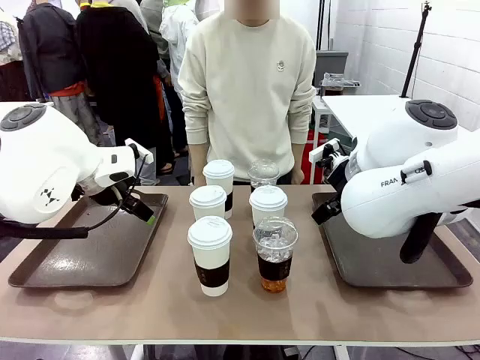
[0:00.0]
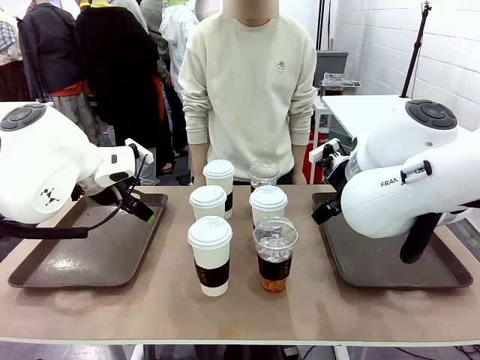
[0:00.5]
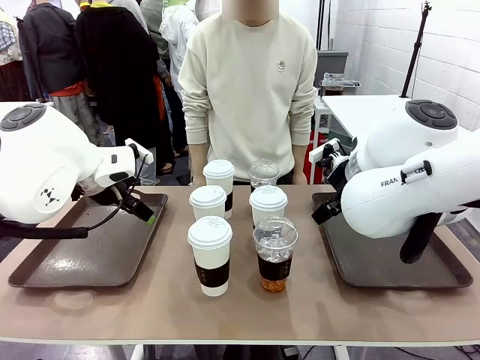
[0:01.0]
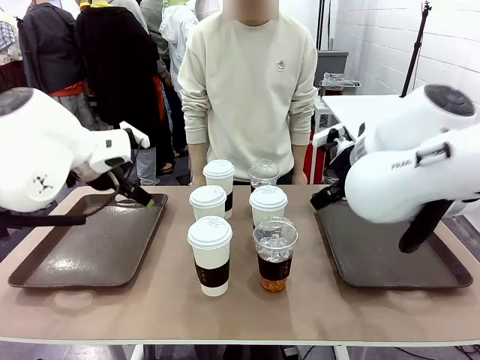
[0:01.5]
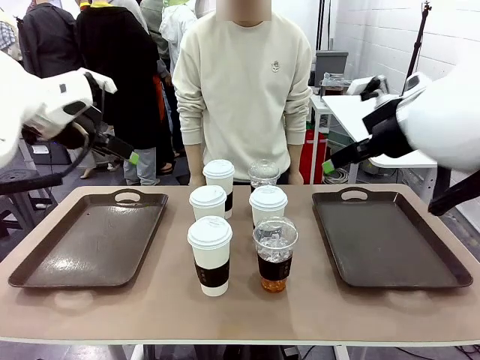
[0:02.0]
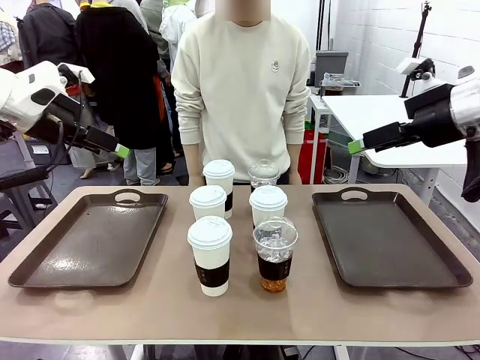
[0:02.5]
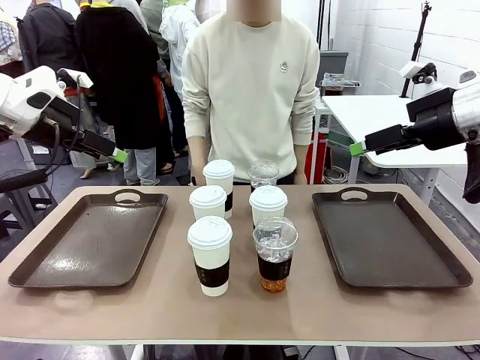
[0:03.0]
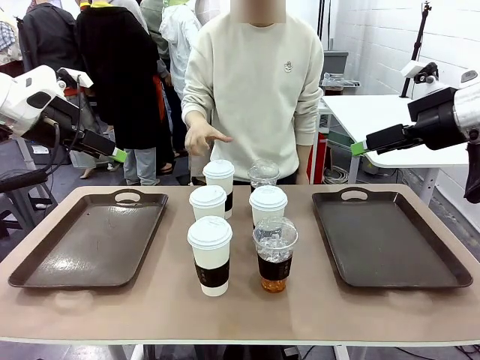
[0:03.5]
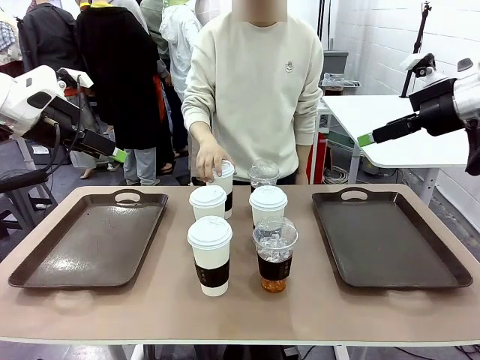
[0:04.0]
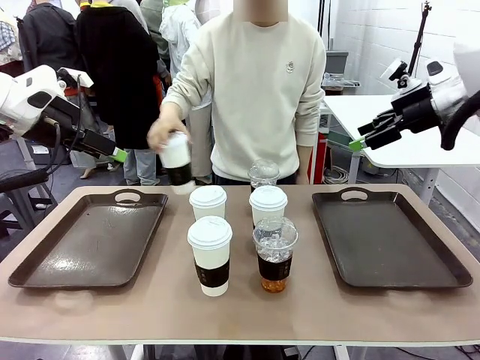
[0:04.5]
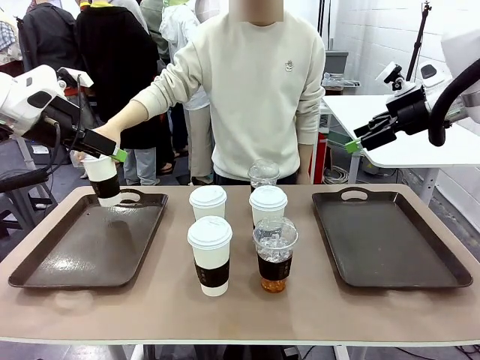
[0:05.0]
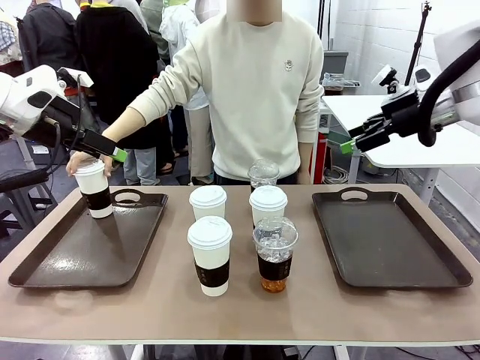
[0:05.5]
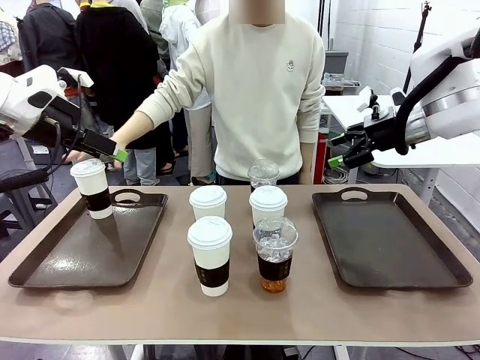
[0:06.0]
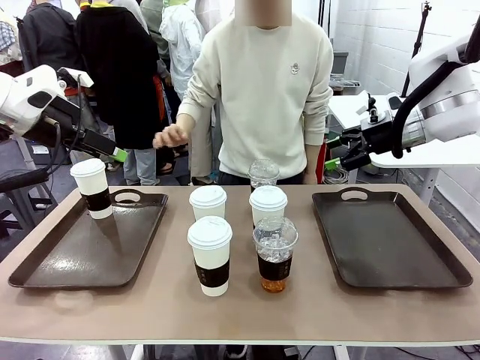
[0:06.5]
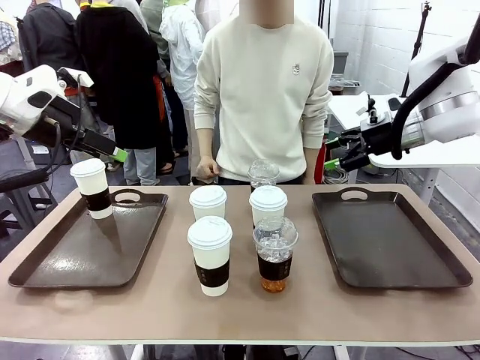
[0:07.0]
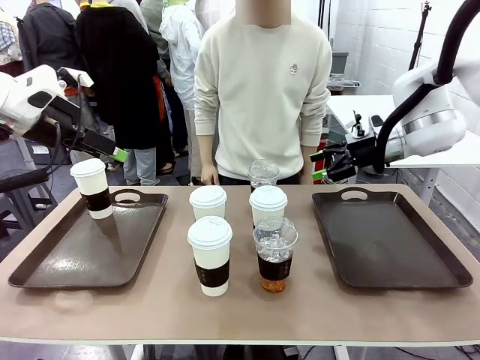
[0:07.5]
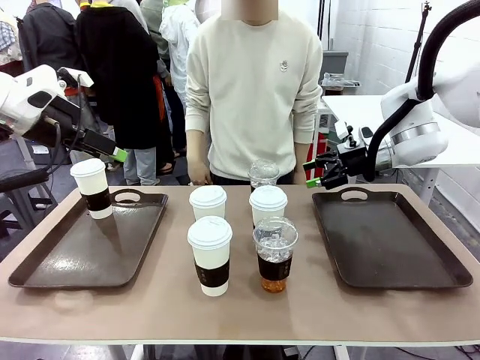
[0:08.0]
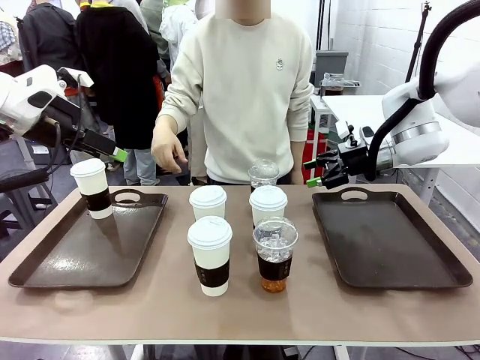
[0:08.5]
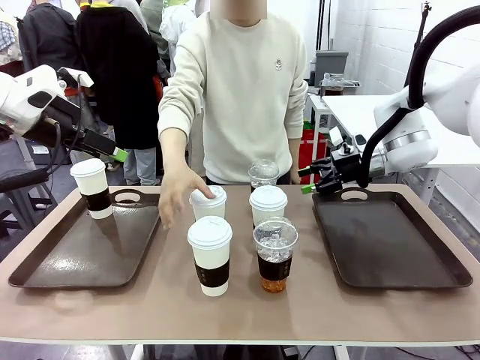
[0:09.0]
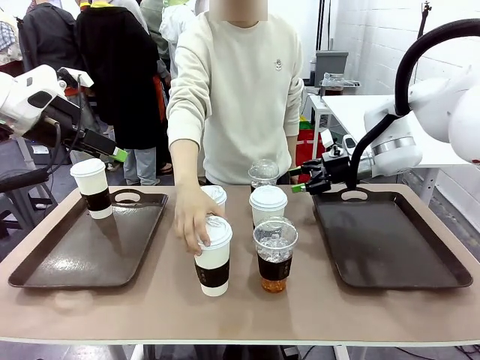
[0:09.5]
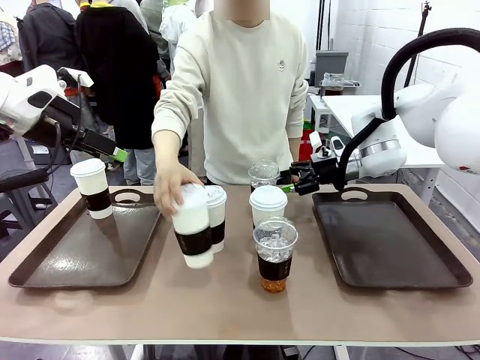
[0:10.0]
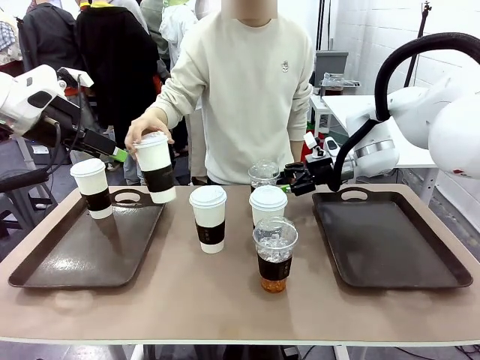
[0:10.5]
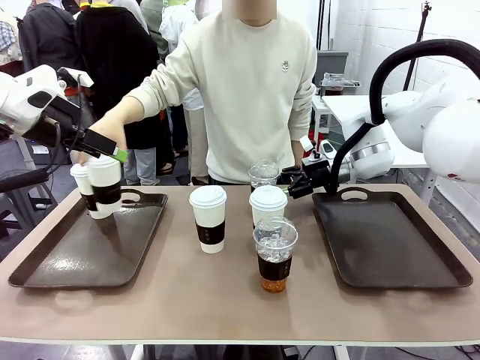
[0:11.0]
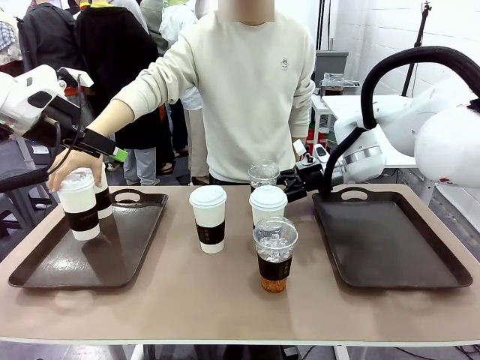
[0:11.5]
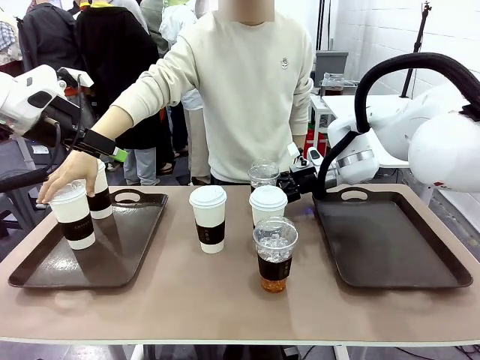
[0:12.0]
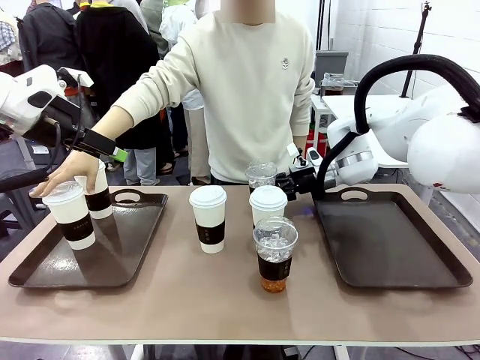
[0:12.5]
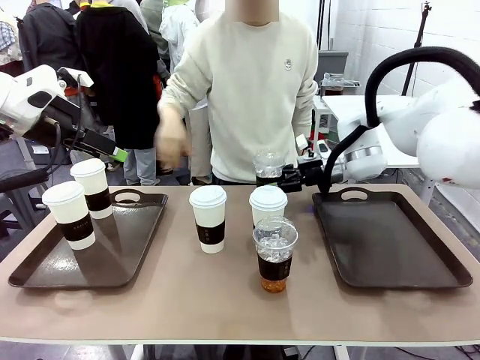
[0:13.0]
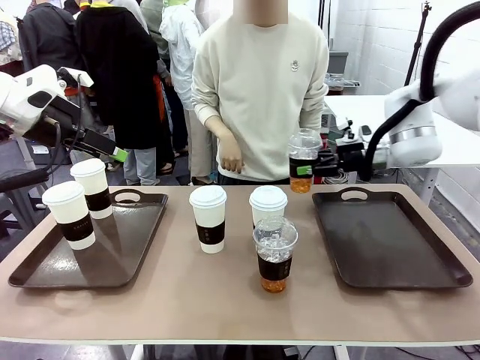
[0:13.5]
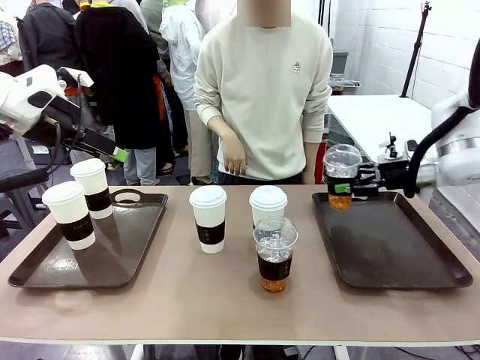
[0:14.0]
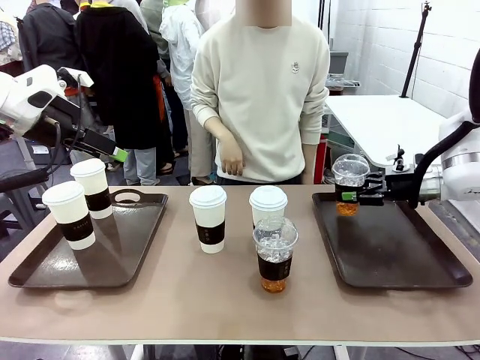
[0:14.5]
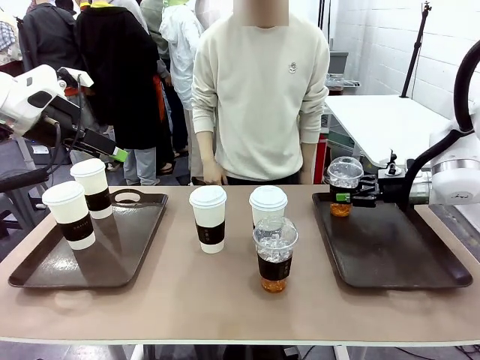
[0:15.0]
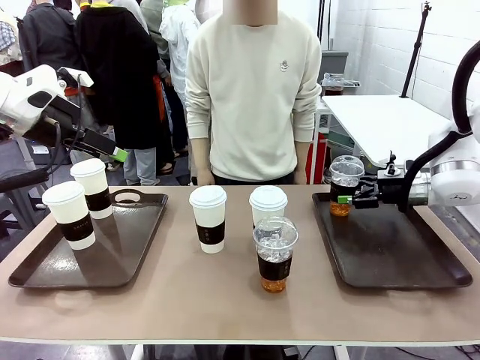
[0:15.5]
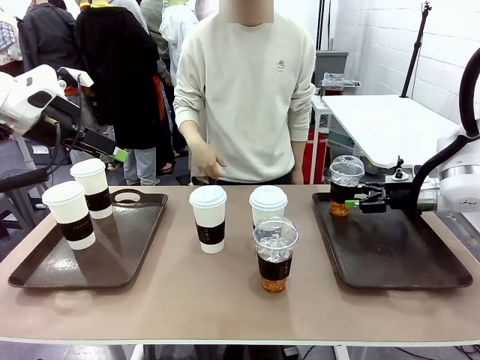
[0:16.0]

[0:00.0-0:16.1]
Task: Distribute the coffee onto the tray.
Robot: Pick up one iced Americano and place it on the right Handle tray.
Person: Pick up a cup of hot Americano and place it on the right tray.

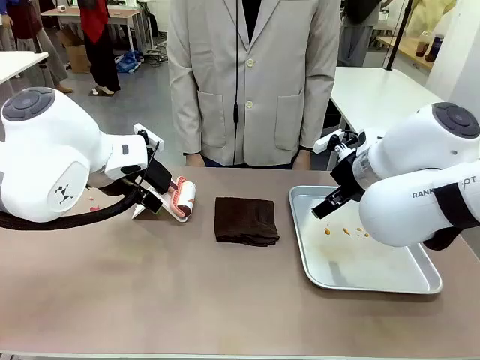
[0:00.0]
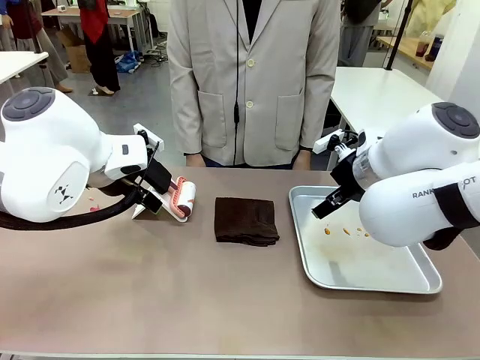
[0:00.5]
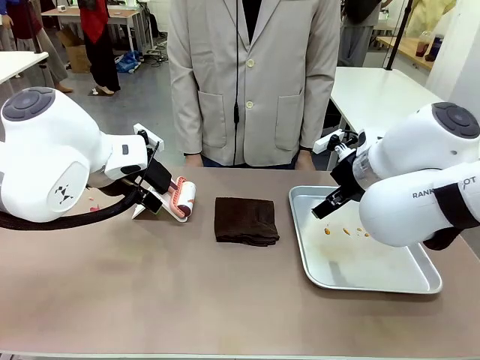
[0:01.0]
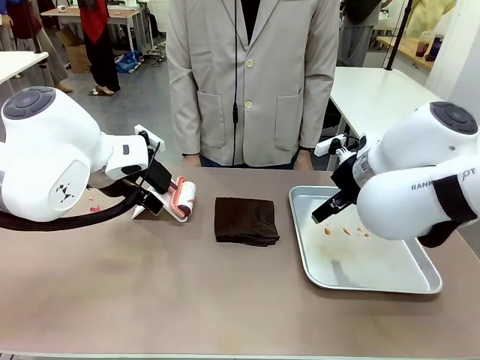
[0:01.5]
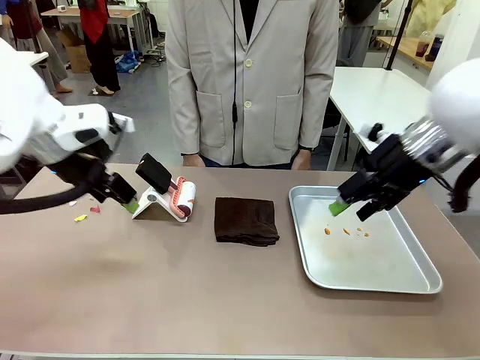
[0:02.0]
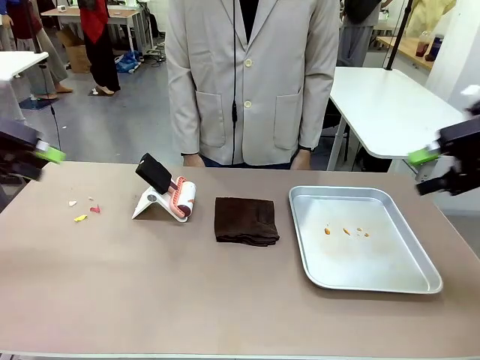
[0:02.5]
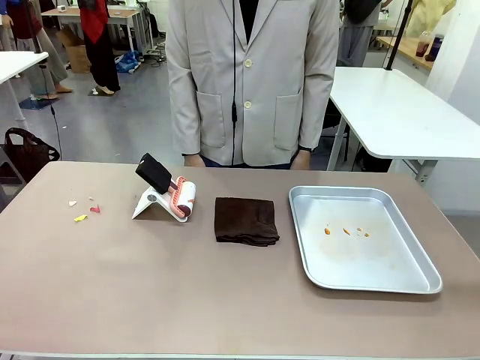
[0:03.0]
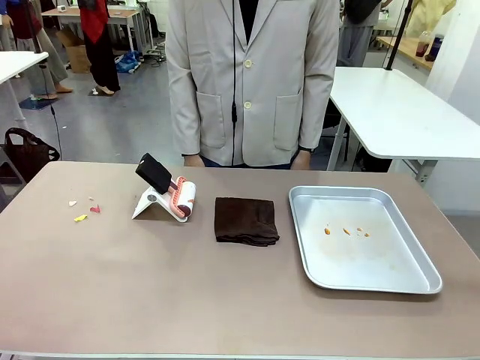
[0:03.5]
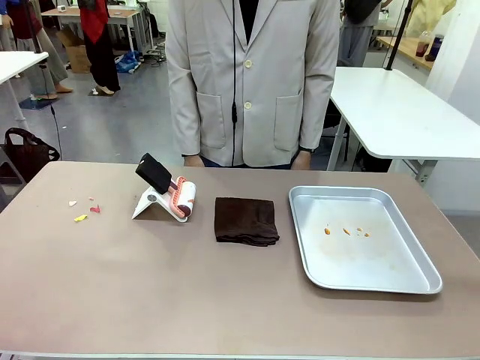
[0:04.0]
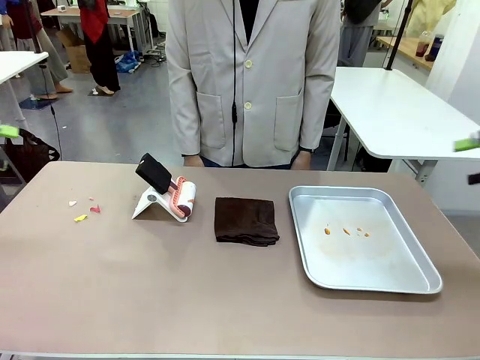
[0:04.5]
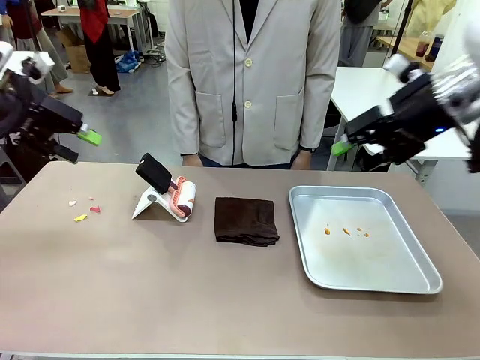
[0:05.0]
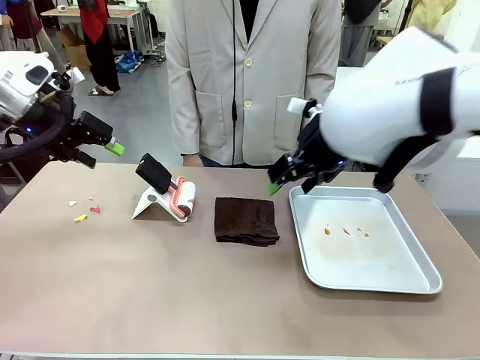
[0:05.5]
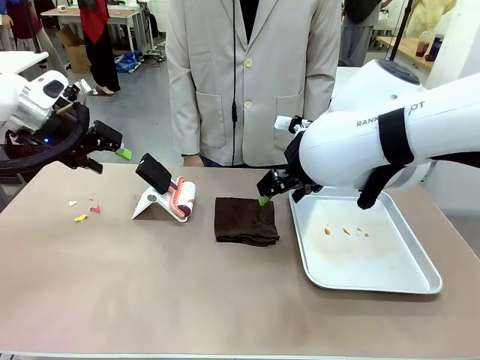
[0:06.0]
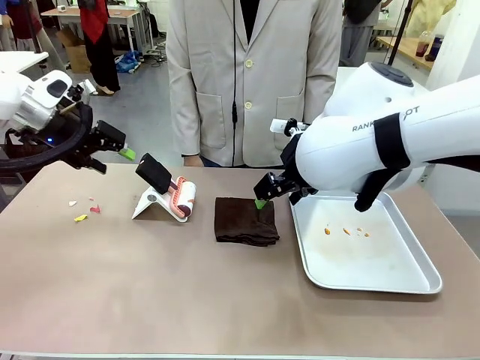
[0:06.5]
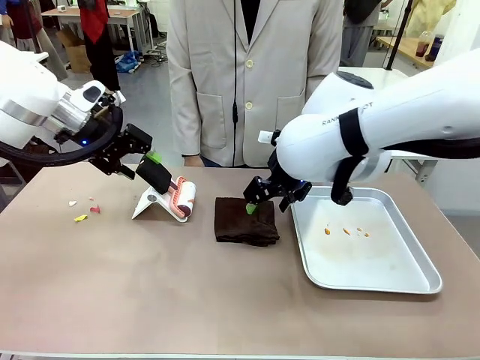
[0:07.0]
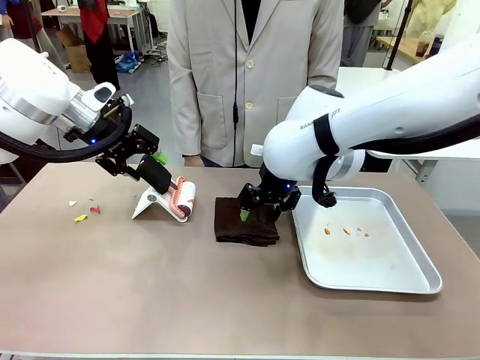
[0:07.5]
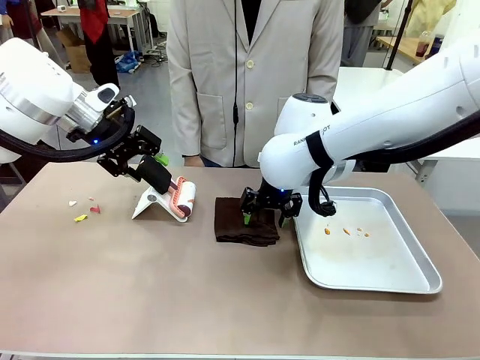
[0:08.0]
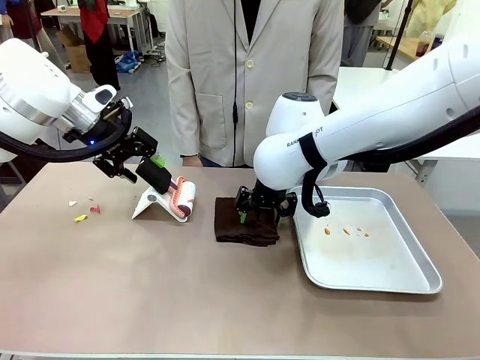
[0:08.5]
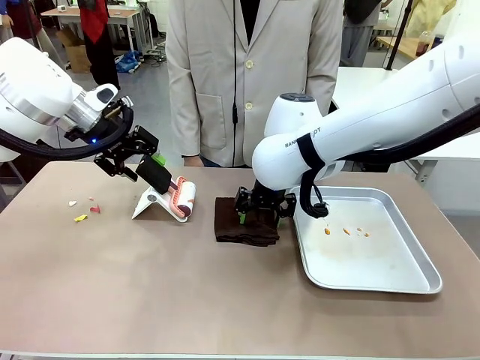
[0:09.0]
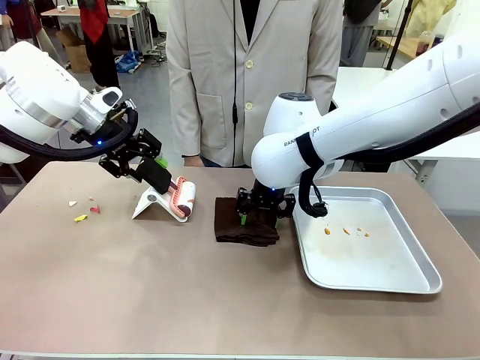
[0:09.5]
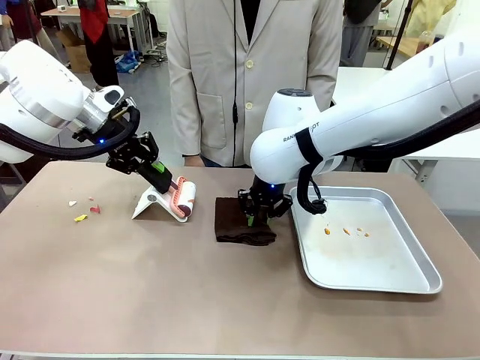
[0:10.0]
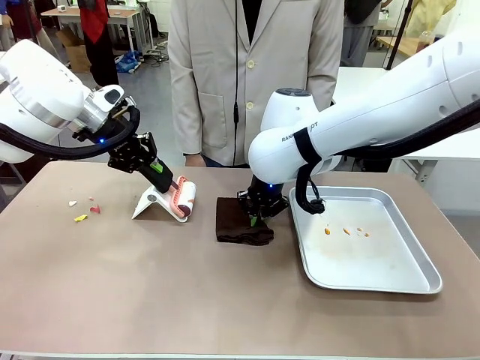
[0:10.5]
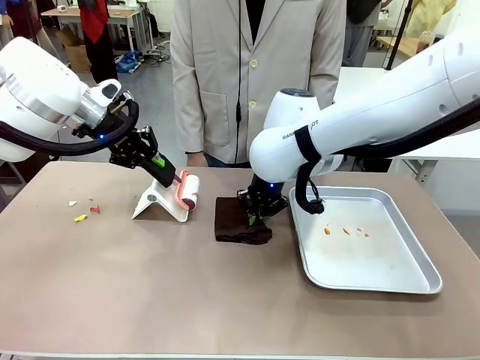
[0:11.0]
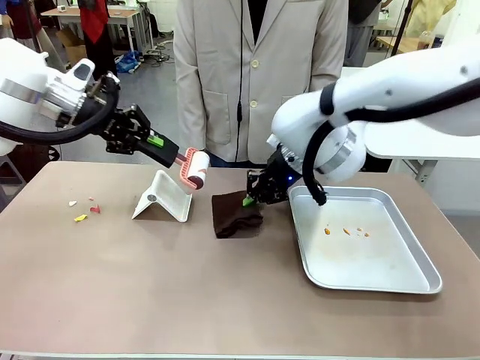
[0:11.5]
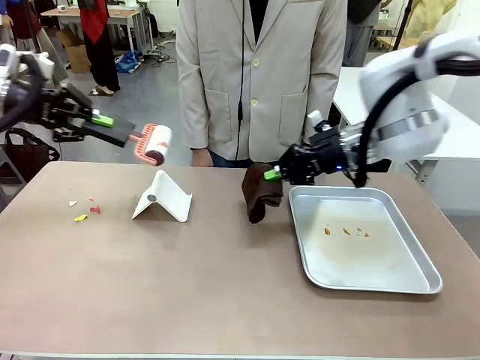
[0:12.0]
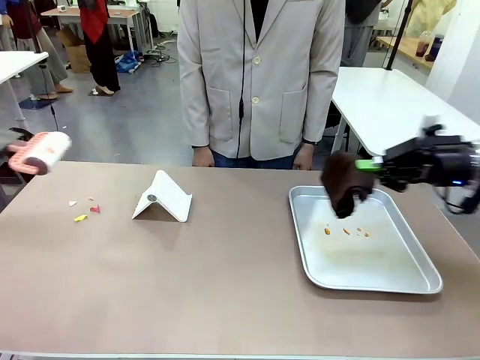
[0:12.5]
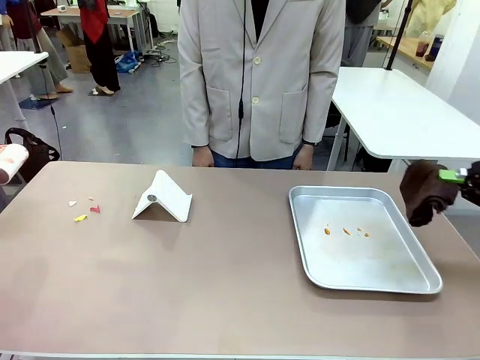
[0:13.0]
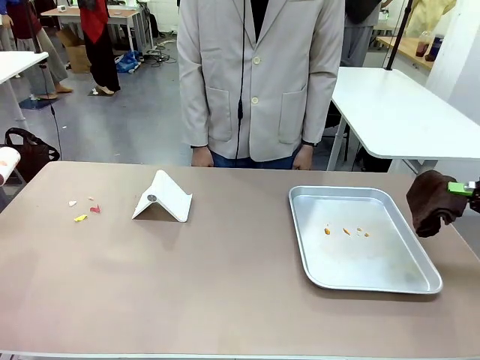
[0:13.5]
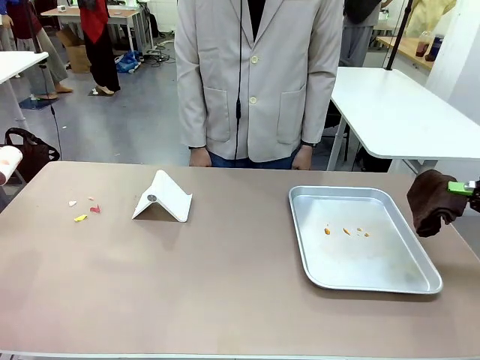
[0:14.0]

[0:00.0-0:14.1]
Task: Clean the surface of the table.
Robot: Hold the Lint Roller with your left hand and the towel with your right hand.
